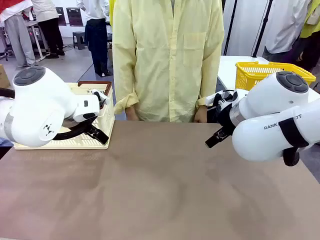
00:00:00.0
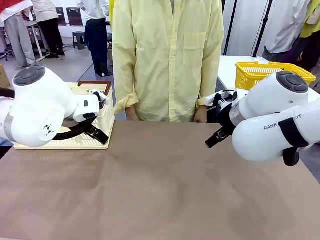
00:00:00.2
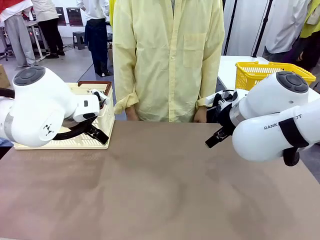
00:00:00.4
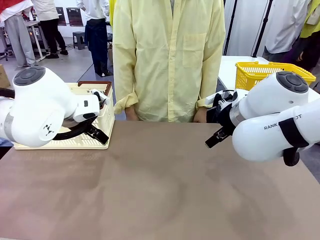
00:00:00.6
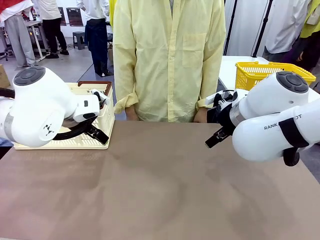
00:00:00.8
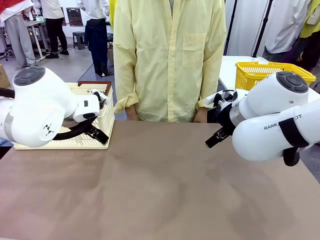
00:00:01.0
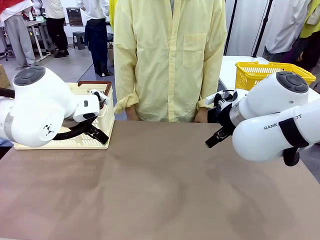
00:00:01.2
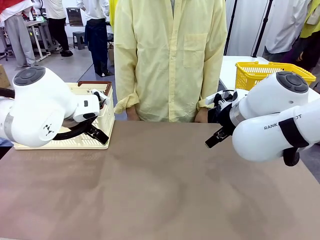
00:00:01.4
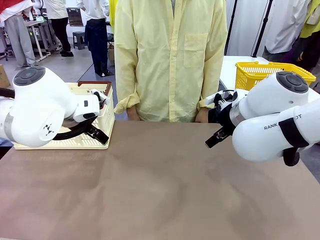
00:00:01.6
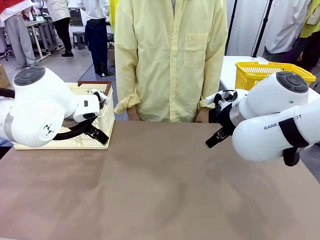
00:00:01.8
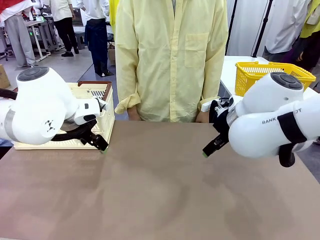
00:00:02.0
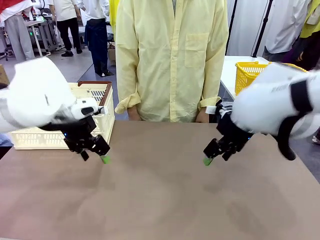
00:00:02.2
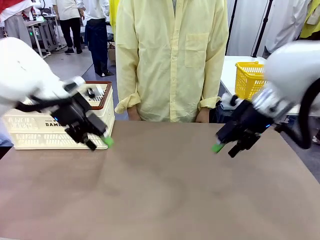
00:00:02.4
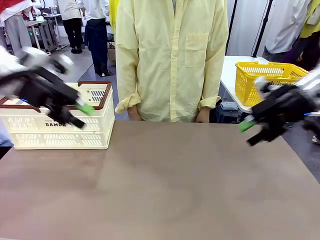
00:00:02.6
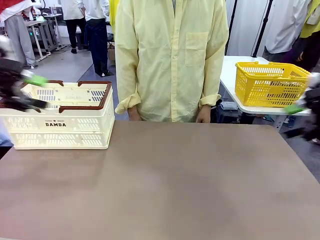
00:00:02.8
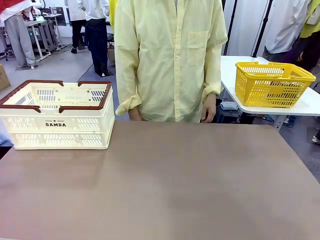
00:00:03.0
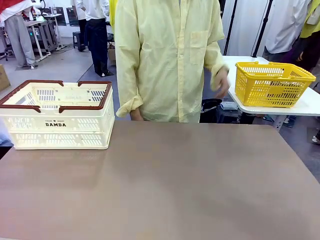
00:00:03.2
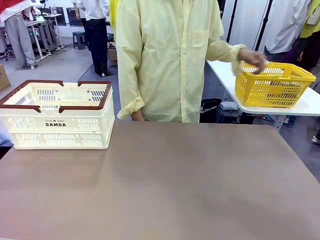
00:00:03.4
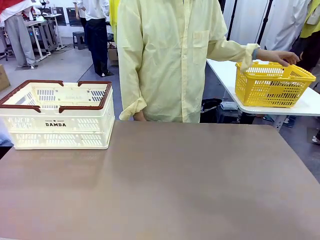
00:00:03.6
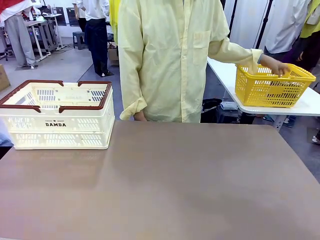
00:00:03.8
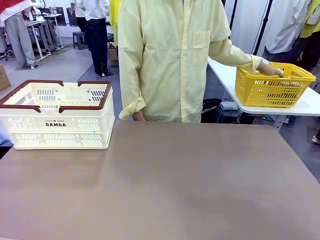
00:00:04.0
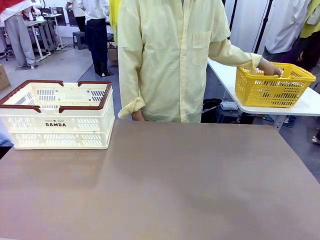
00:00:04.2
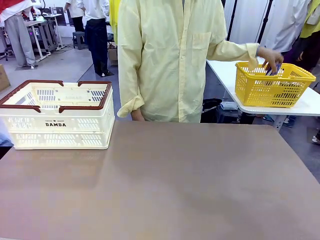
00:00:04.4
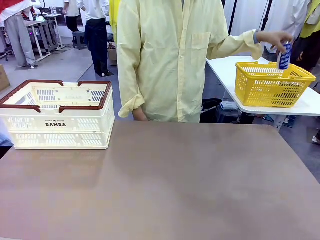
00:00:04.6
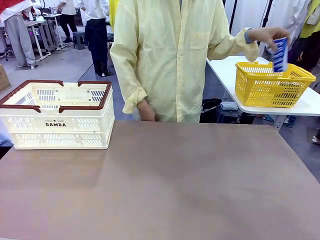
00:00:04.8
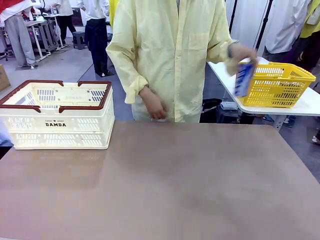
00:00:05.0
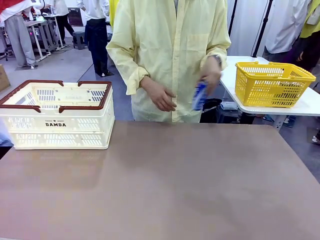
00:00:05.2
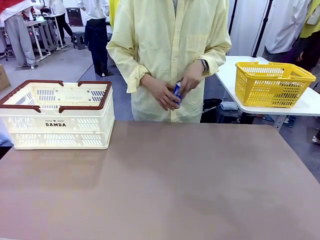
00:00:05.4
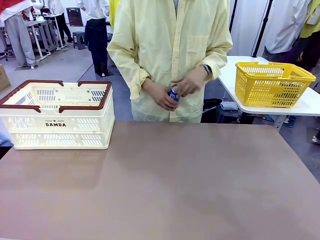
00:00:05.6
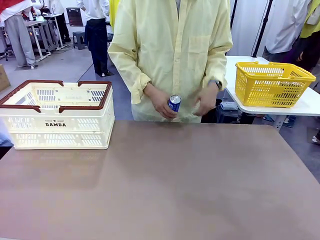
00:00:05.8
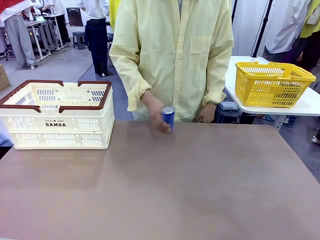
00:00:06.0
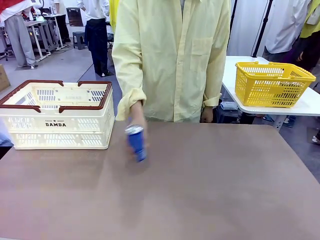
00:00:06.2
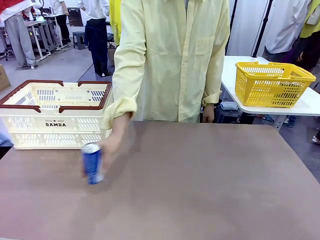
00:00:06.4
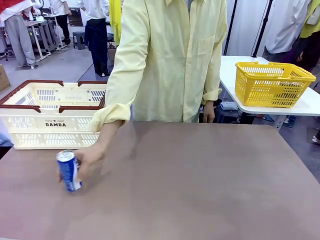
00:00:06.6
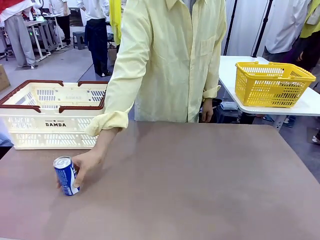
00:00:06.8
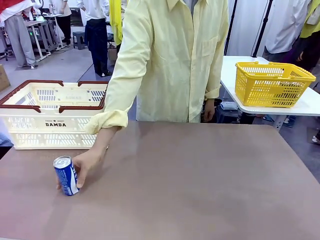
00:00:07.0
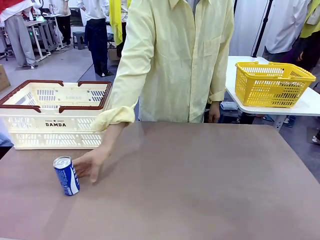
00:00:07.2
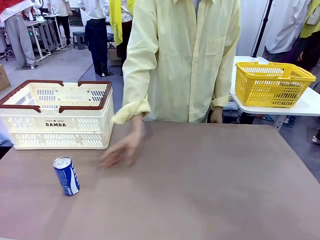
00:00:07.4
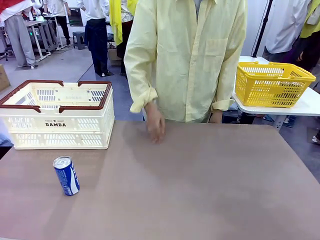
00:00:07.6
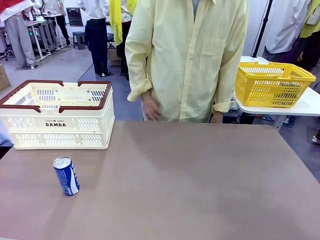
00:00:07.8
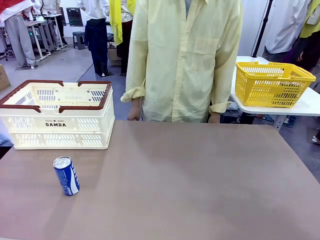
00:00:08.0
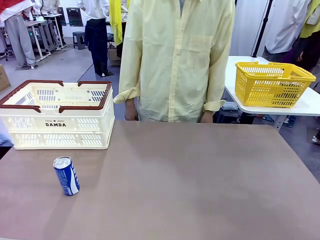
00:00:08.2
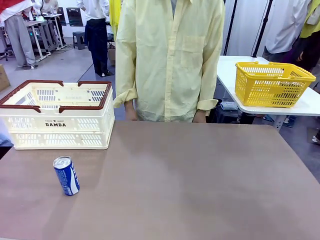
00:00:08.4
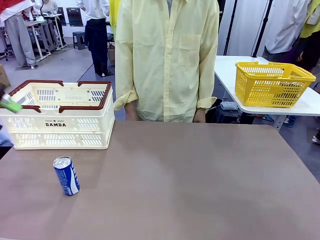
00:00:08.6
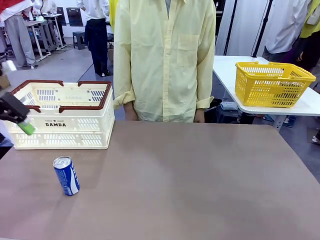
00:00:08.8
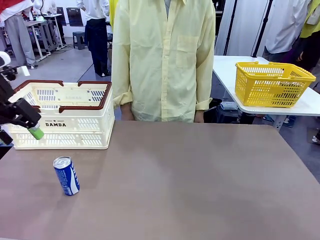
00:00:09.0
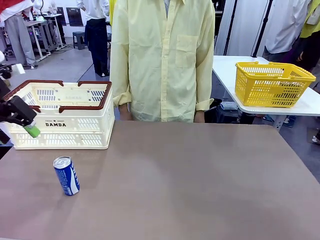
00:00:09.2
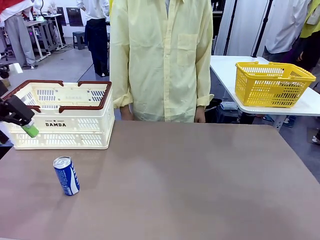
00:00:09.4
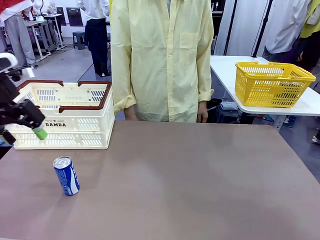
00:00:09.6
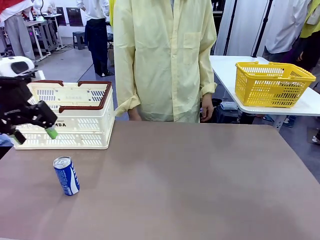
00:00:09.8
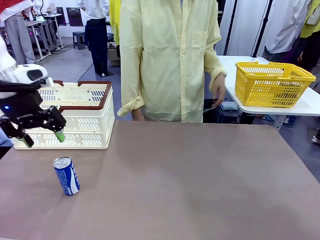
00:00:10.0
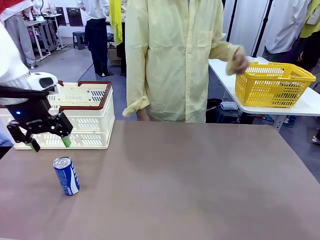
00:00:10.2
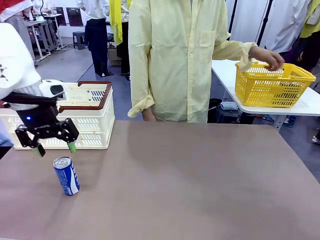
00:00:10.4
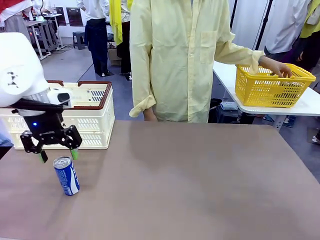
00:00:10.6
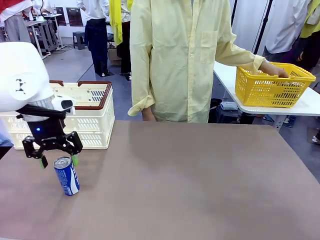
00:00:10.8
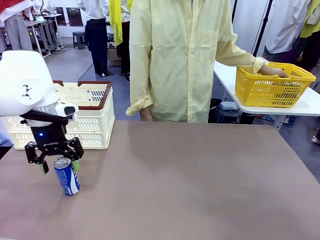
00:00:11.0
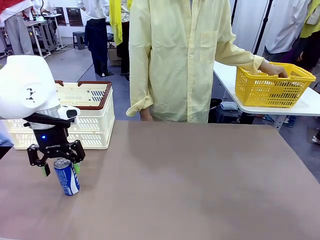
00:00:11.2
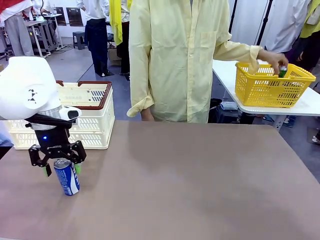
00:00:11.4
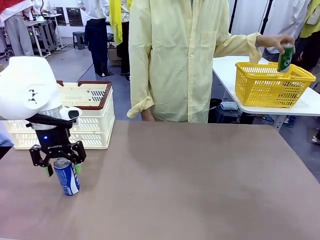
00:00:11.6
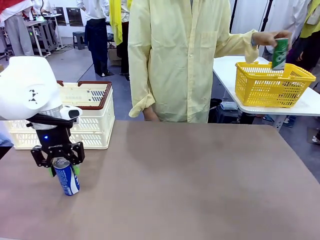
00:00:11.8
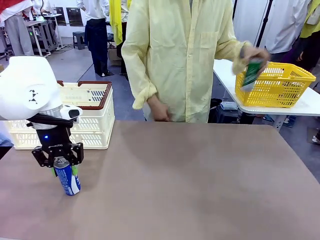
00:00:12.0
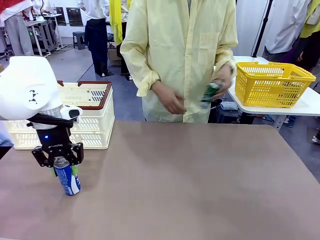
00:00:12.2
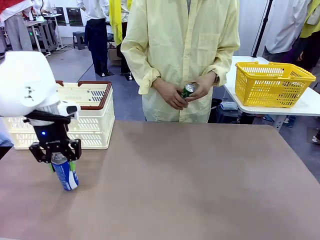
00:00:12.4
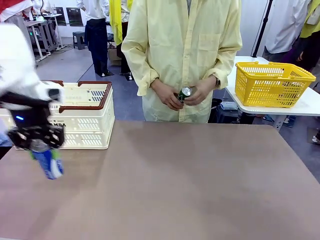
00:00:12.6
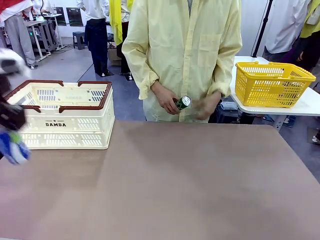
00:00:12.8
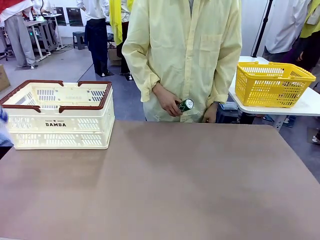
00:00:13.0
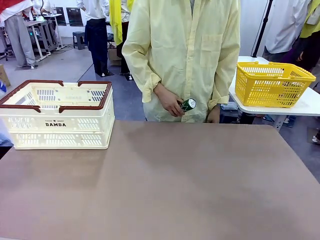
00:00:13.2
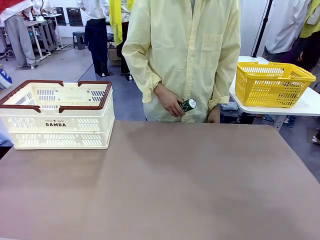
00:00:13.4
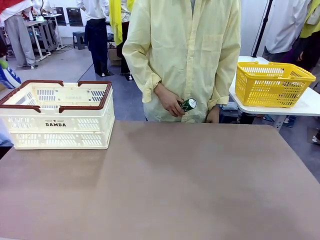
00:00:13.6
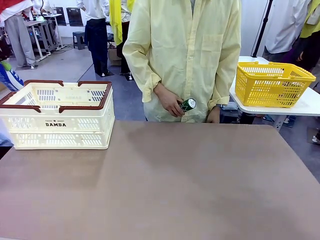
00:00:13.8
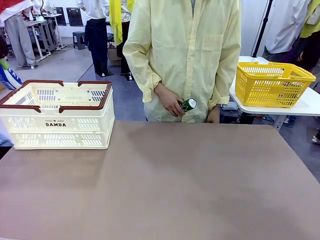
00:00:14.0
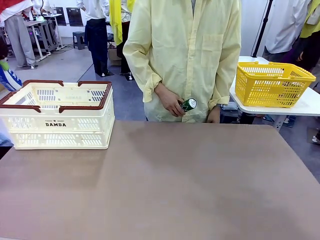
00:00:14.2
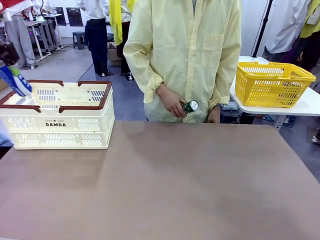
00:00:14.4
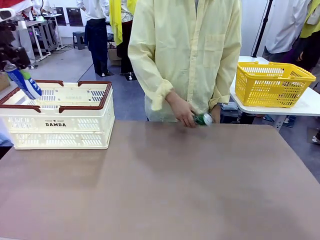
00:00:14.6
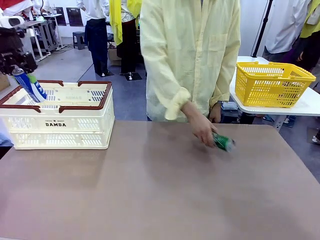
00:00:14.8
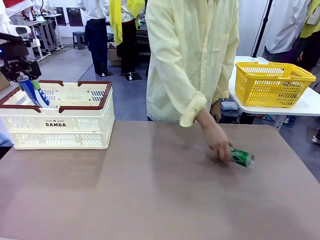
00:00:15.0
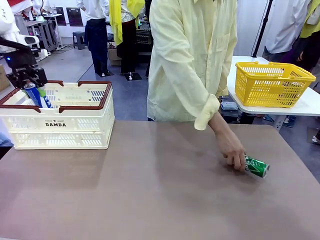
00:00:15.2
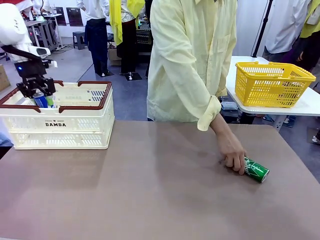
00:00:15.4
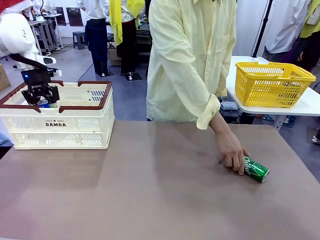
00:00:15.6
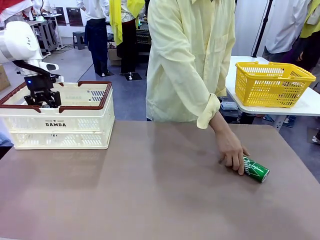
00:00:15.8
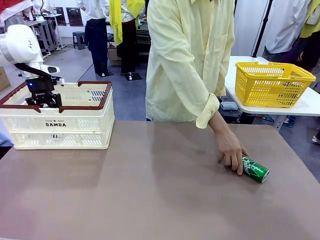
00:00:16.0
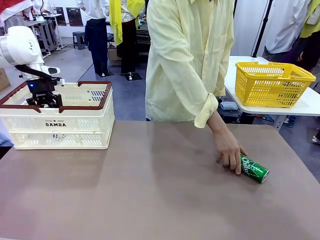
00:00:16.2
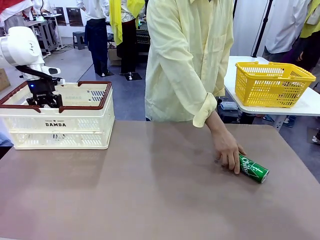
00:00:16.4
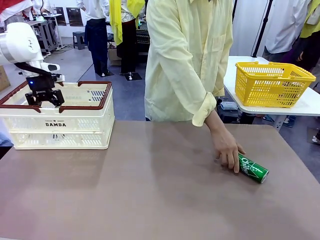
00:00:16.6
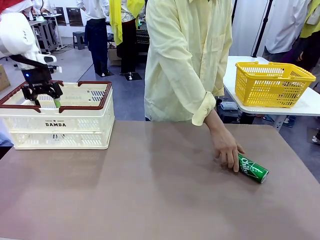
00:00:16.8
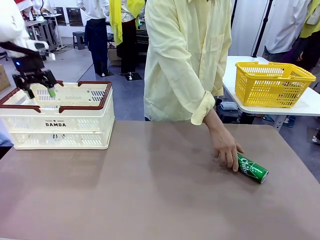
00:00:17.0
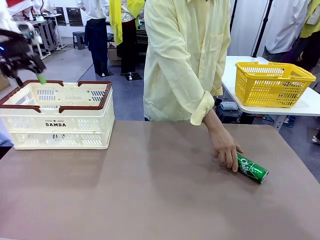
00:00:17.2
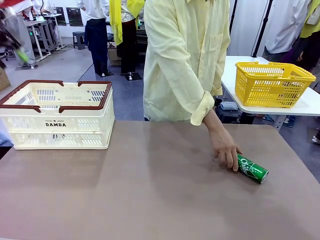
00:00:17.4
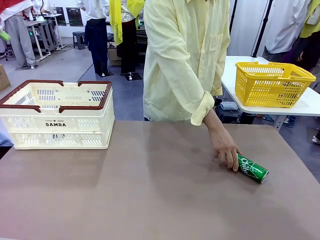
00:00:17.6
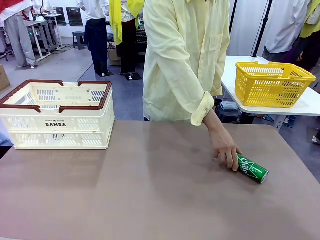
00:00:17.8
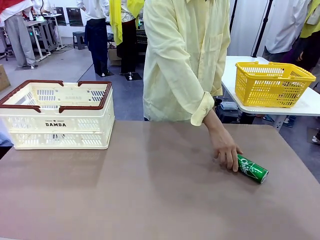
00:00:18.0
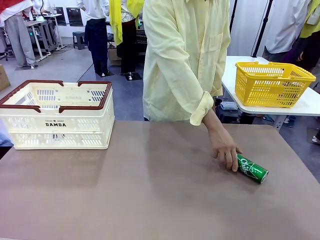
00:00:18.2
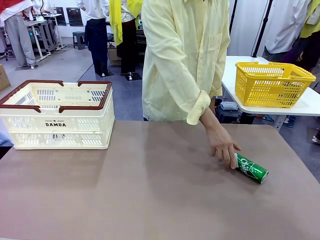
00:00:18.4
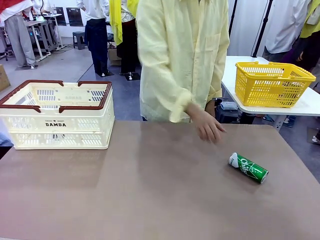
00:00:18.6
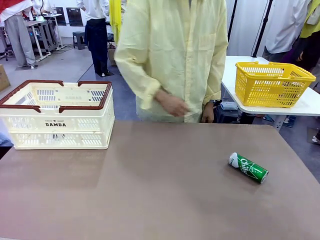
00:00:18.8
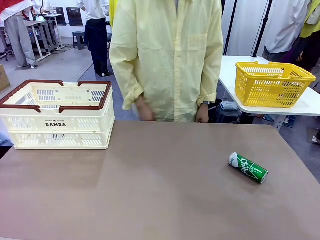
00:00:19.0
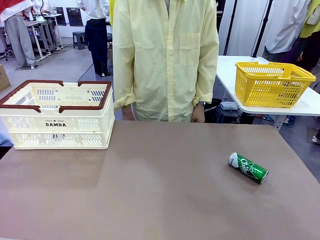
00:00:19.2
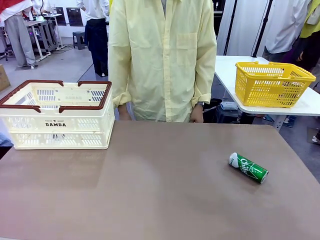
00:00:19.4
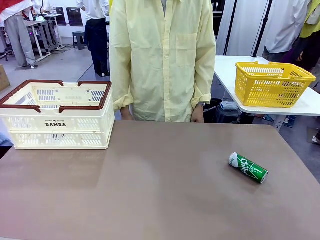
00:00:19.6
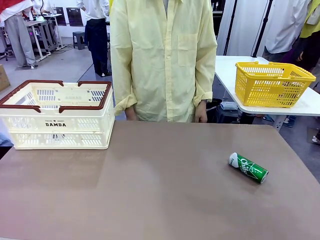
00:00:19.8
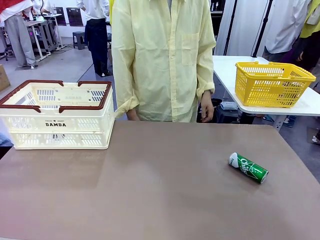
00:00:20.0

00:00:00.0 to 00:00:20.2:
Task: Place the drinks into the Shopping basket.
Robot: Pick up one drink and place it into the Shopping basket.
